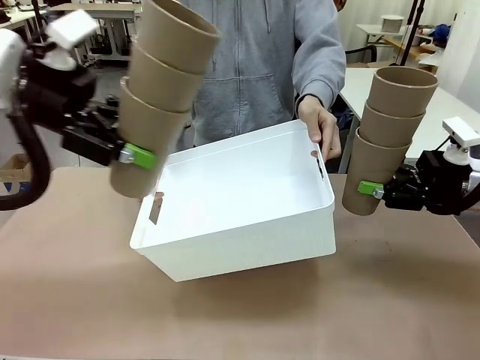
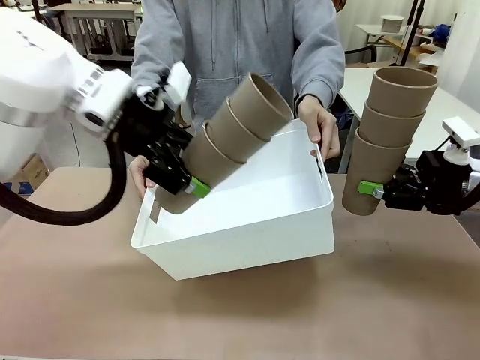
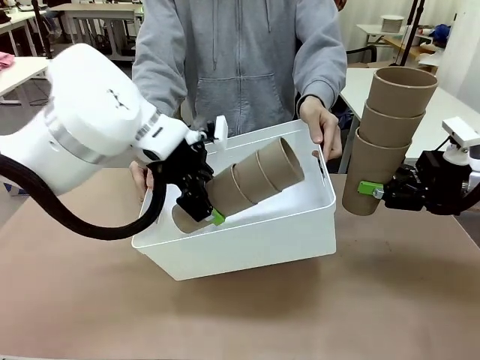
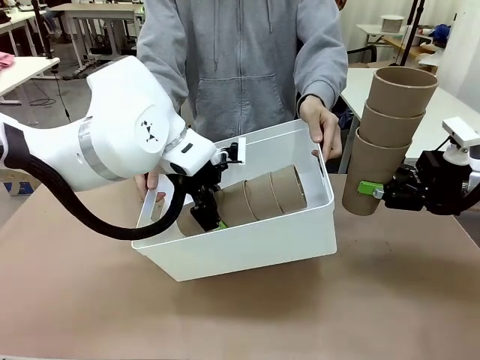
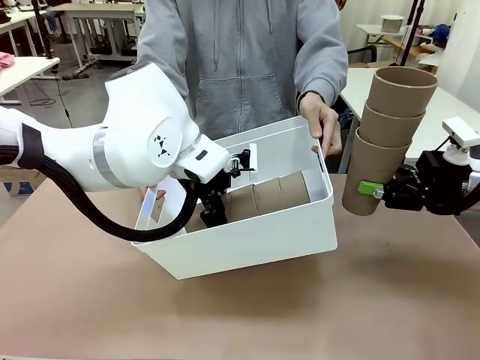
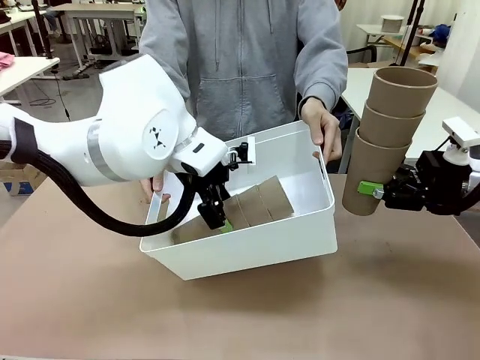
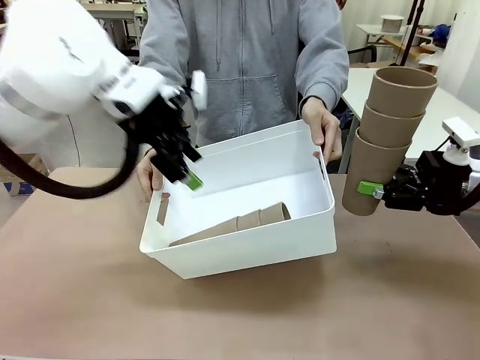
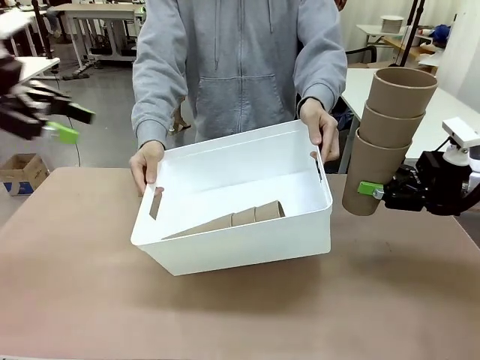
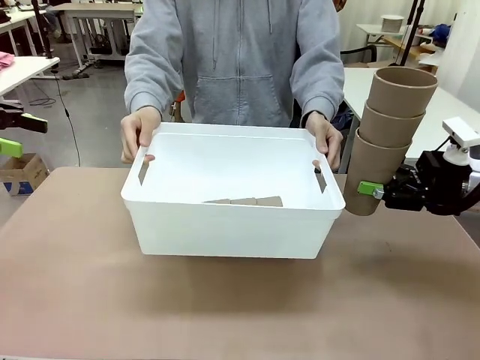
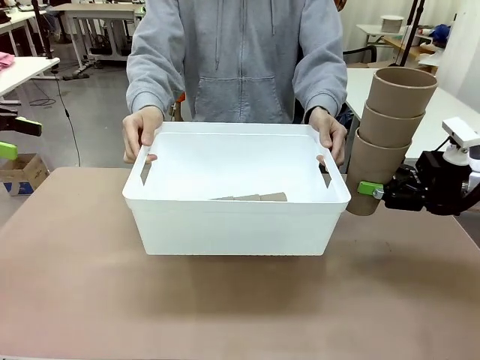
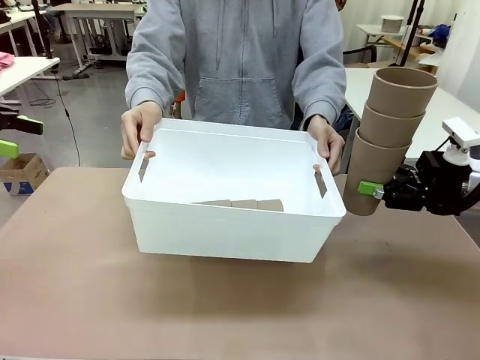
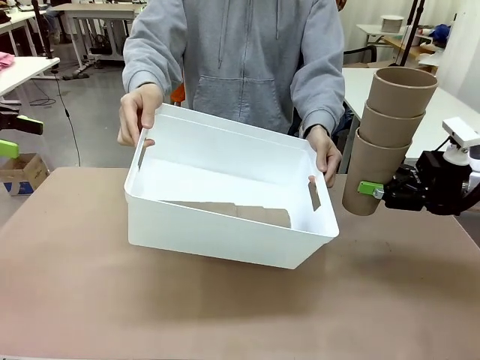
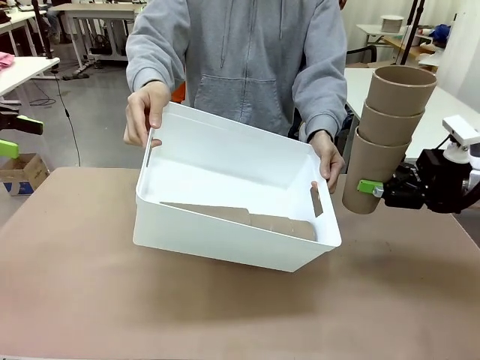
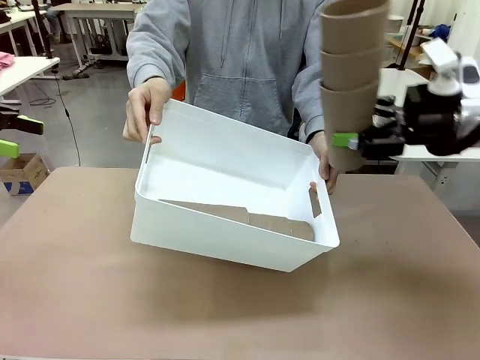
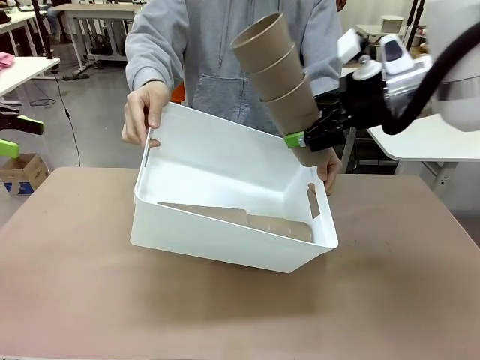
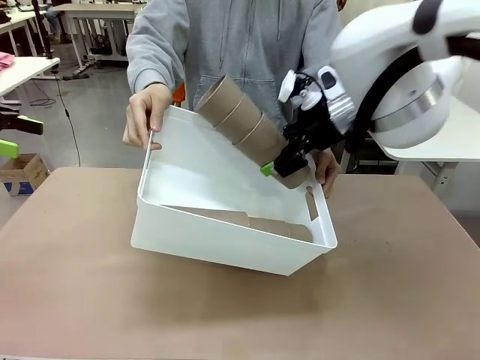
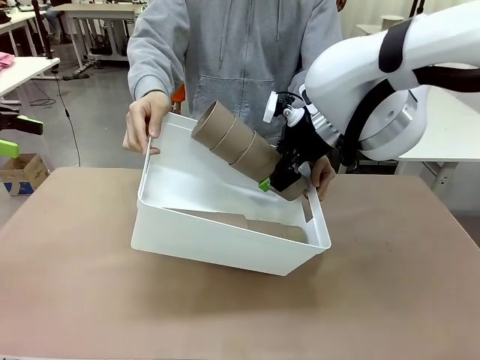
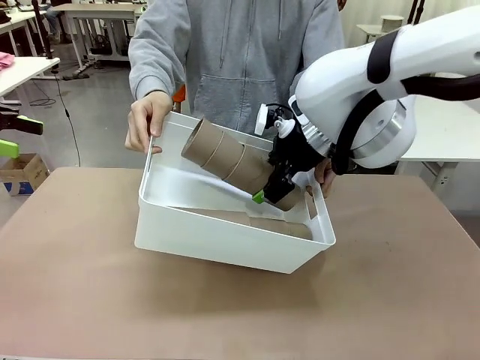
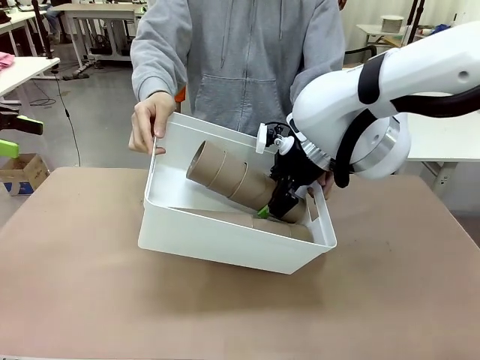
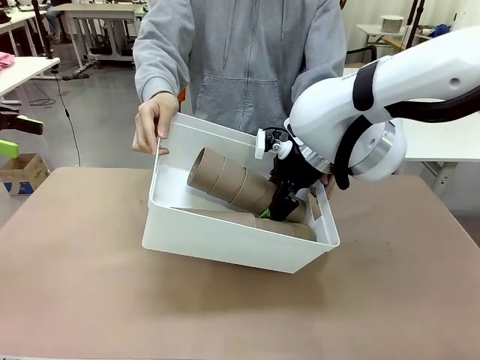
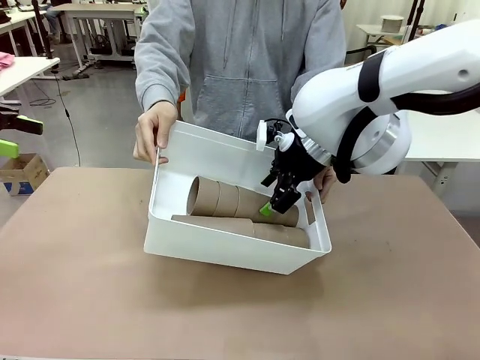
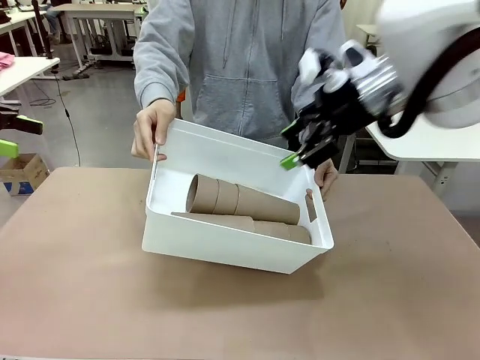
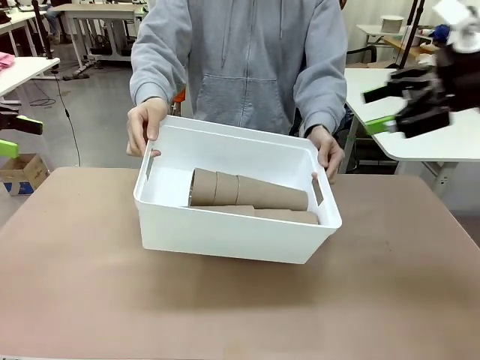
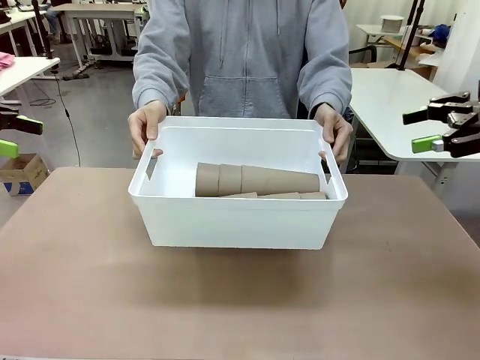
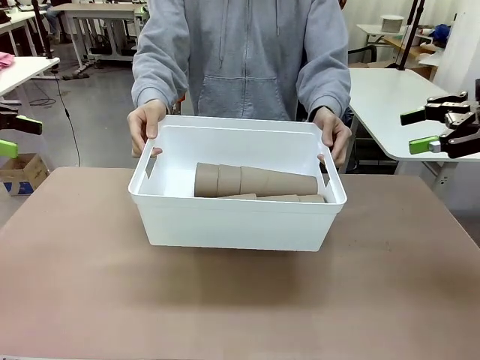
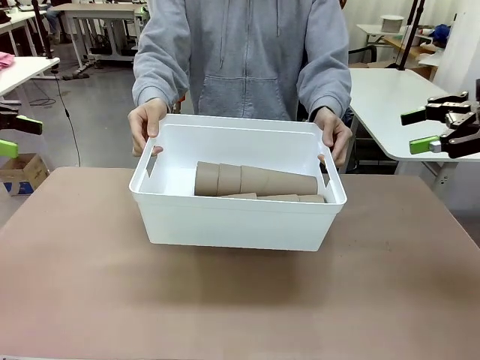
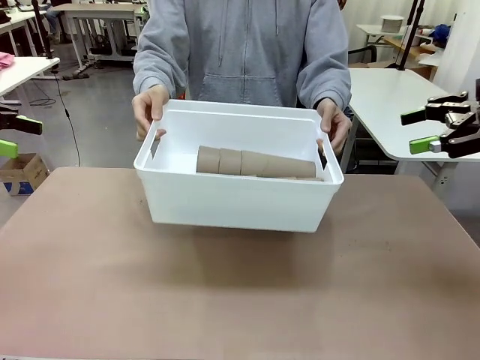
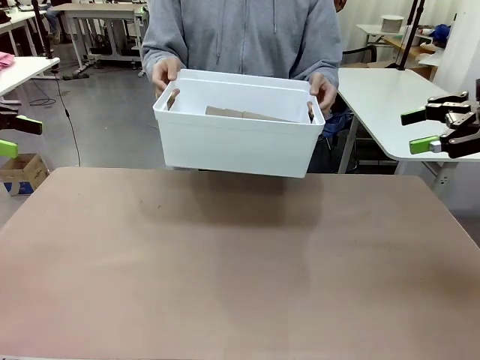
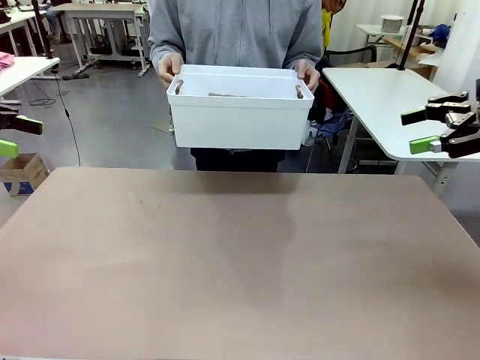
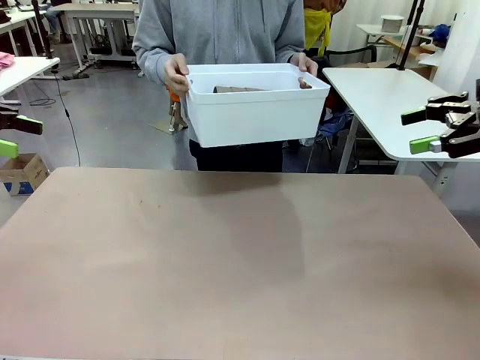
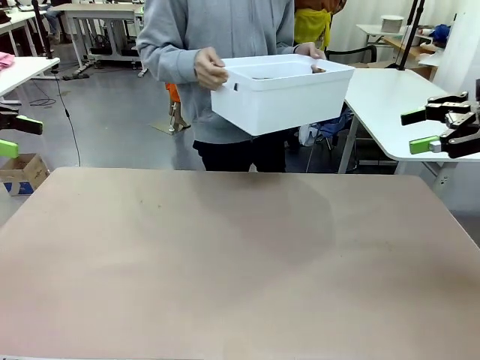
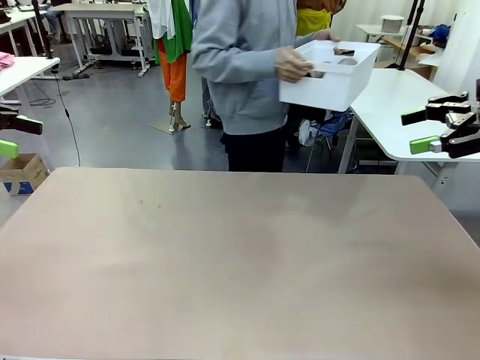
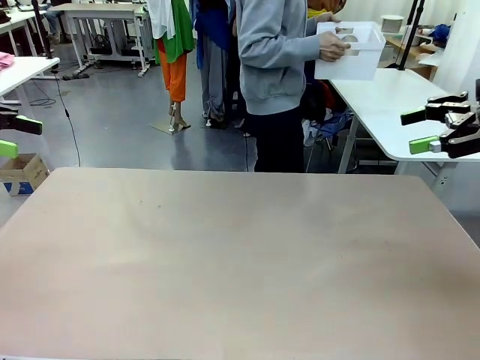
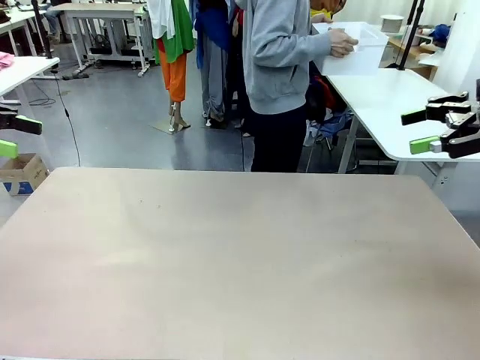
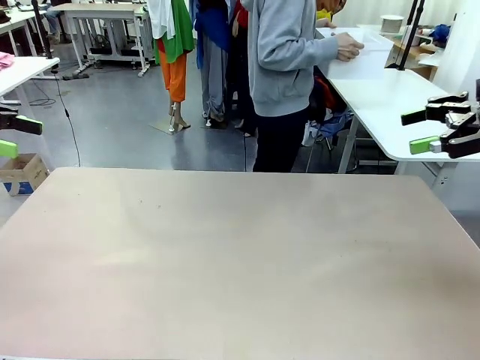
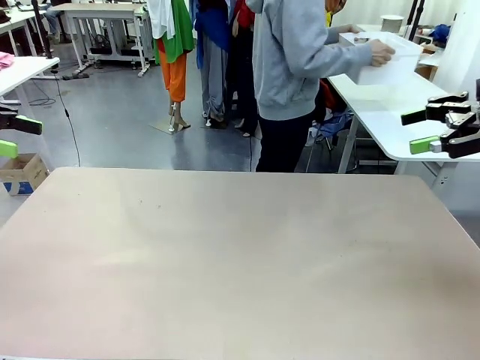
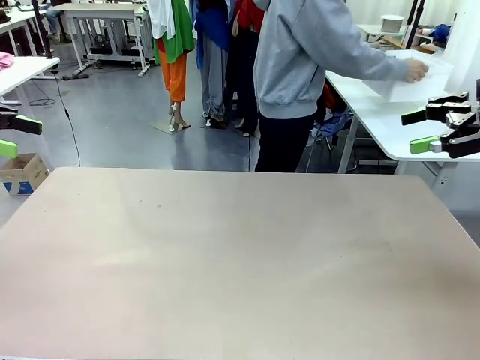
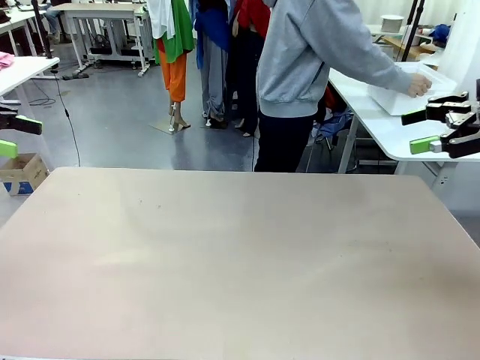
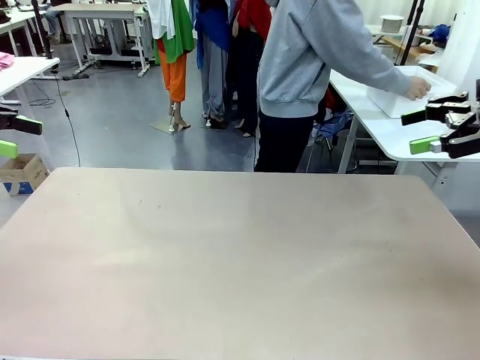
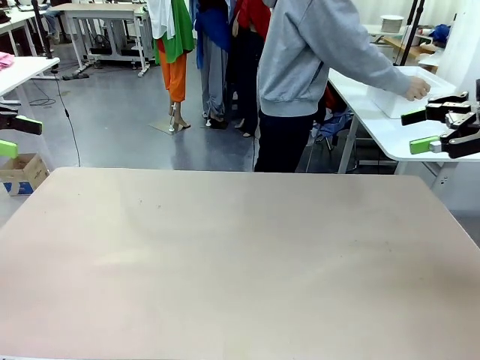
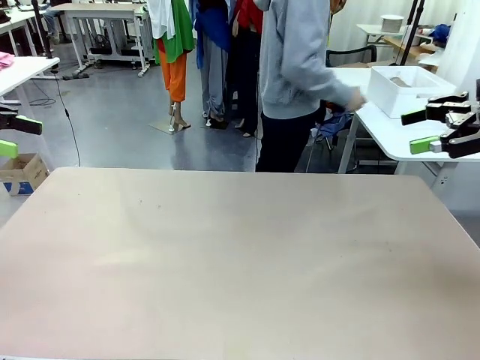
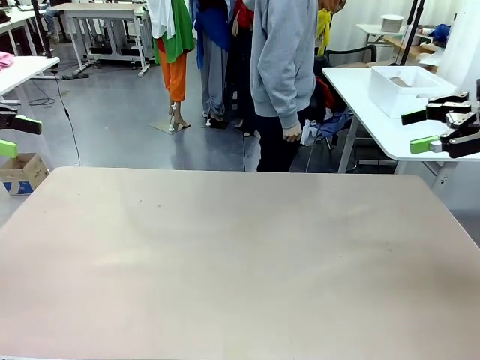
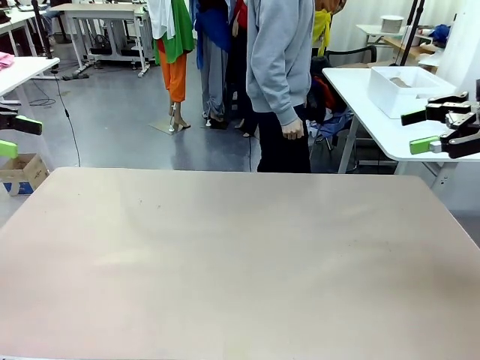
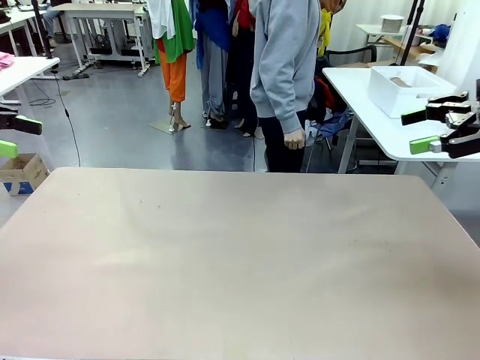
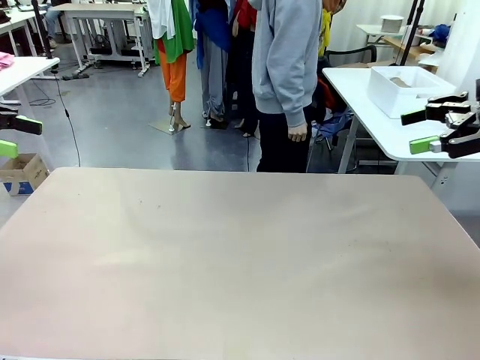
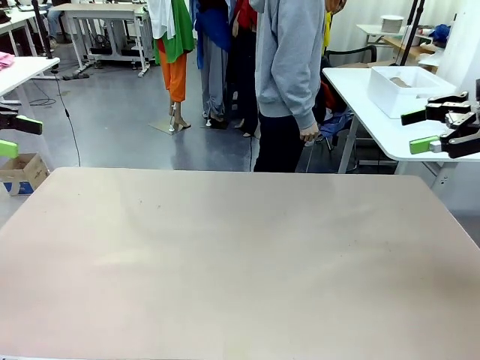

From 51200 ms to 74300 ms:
Task: Stack the cups and store them in the basket.
Robot: Place the stack of Reusable plastic cups into the Pantry Basket.
Person: Place the basket containing the cups in the middle of the Human Table.
